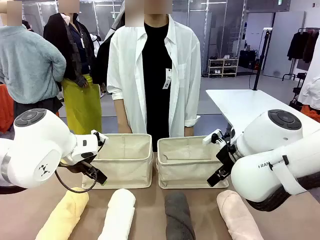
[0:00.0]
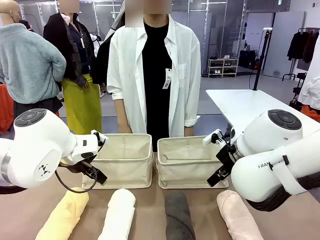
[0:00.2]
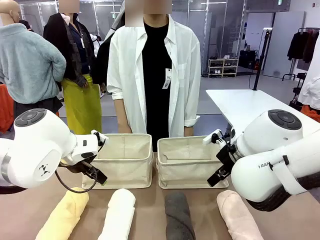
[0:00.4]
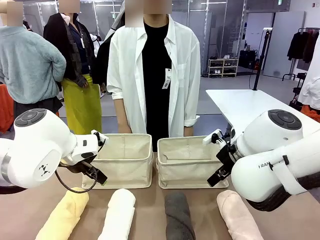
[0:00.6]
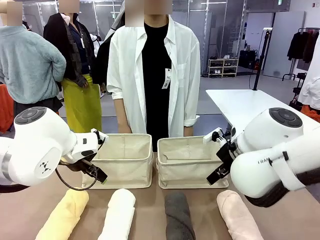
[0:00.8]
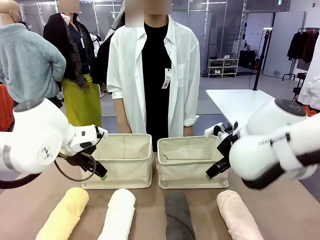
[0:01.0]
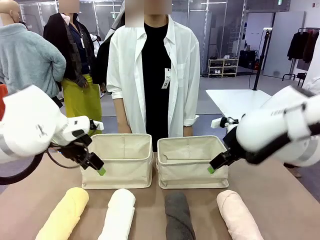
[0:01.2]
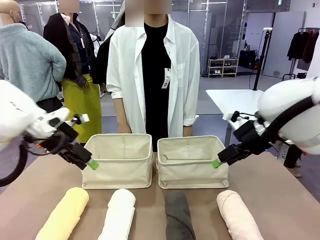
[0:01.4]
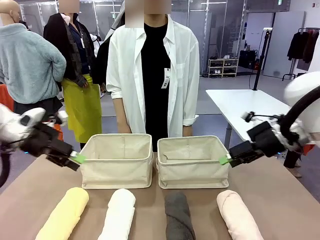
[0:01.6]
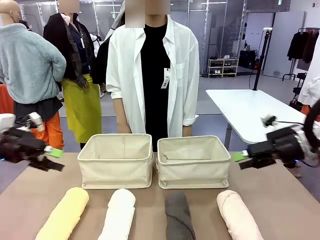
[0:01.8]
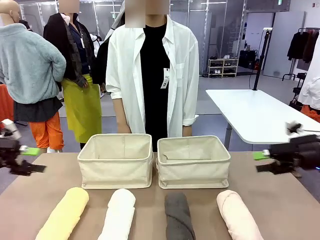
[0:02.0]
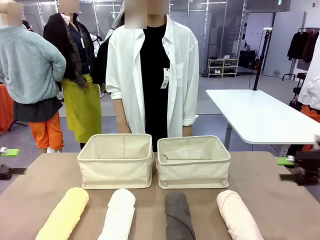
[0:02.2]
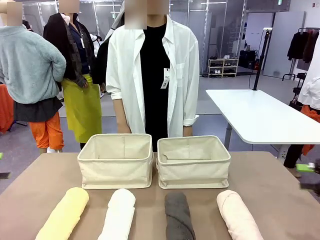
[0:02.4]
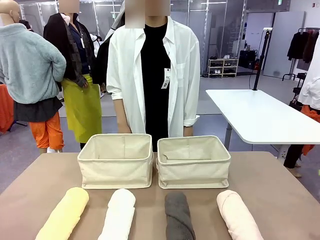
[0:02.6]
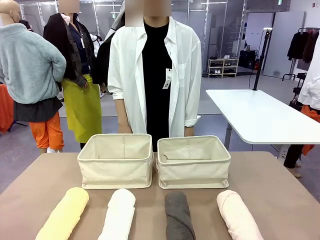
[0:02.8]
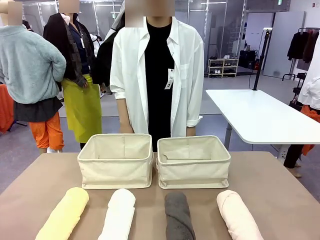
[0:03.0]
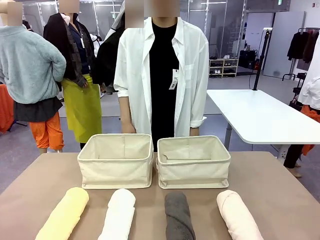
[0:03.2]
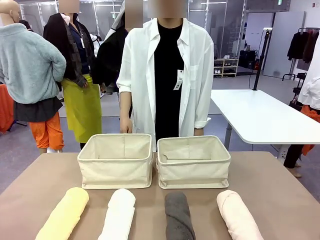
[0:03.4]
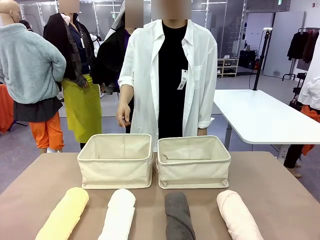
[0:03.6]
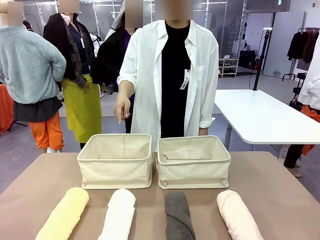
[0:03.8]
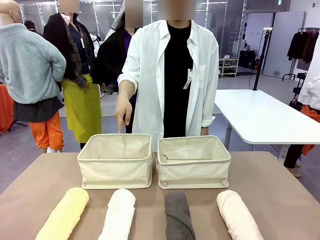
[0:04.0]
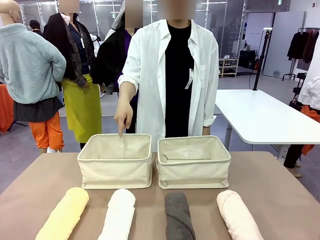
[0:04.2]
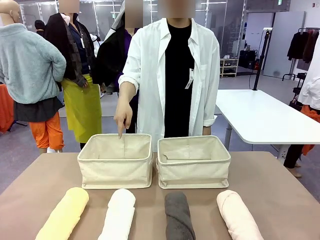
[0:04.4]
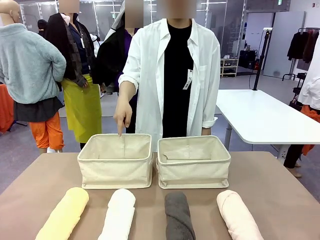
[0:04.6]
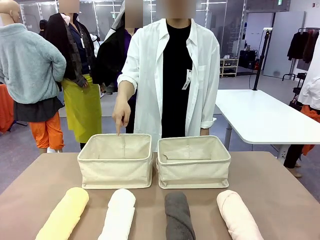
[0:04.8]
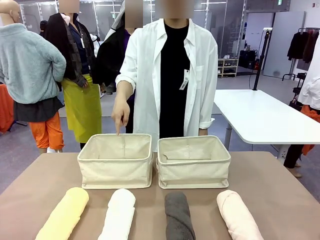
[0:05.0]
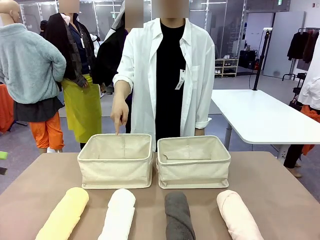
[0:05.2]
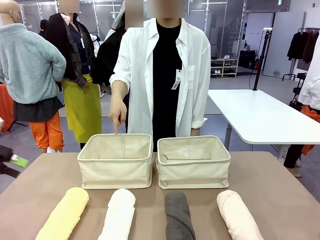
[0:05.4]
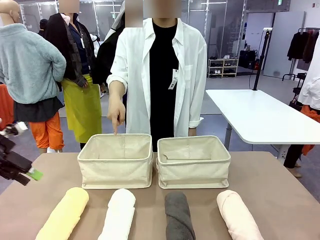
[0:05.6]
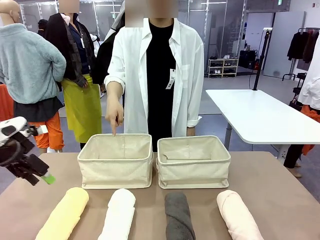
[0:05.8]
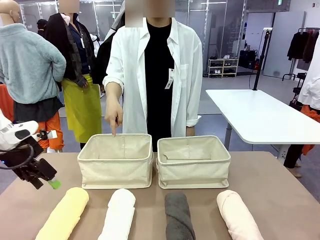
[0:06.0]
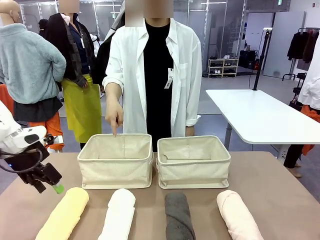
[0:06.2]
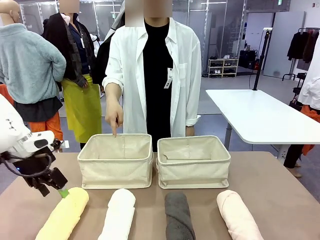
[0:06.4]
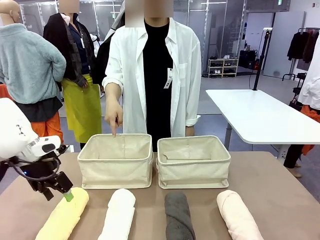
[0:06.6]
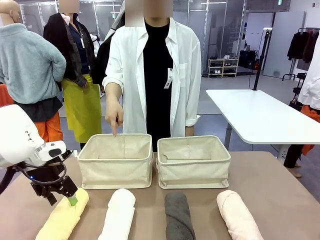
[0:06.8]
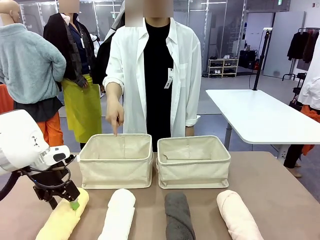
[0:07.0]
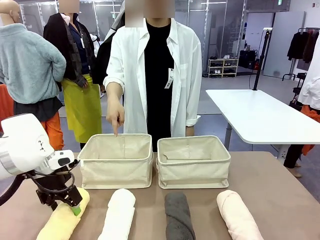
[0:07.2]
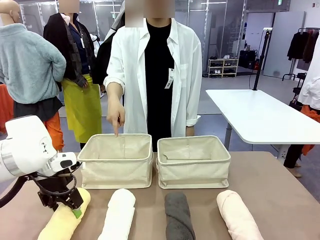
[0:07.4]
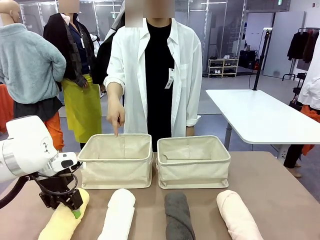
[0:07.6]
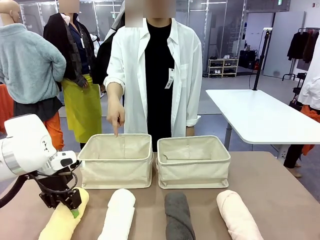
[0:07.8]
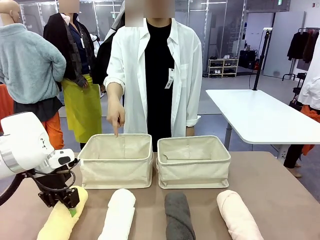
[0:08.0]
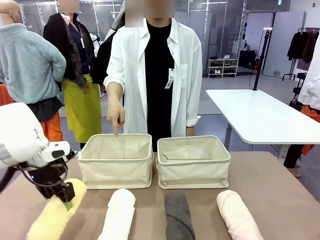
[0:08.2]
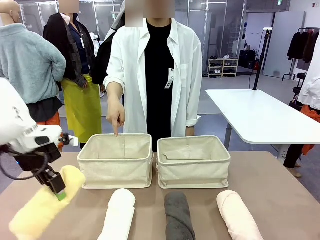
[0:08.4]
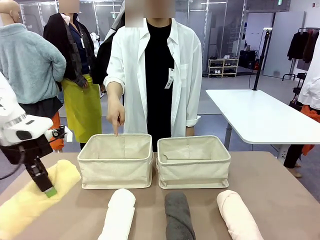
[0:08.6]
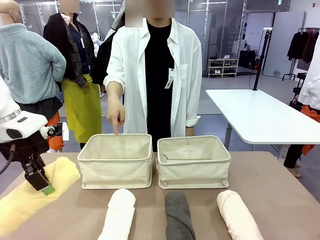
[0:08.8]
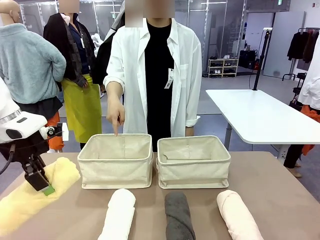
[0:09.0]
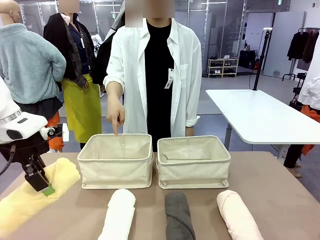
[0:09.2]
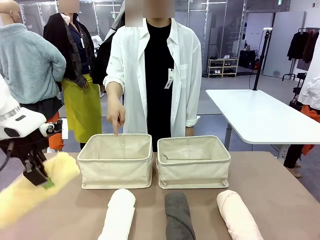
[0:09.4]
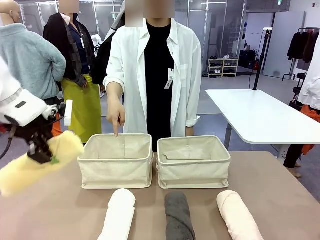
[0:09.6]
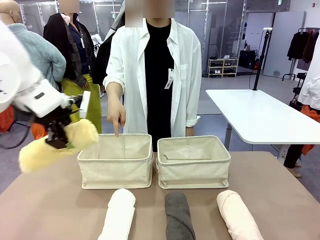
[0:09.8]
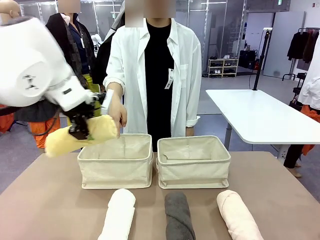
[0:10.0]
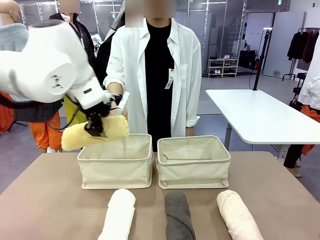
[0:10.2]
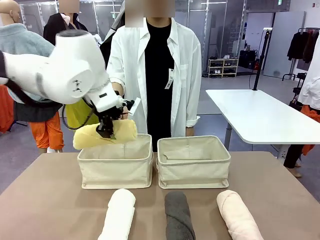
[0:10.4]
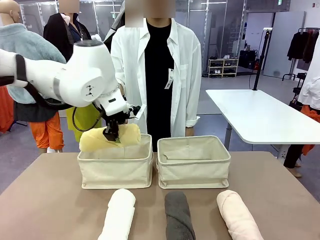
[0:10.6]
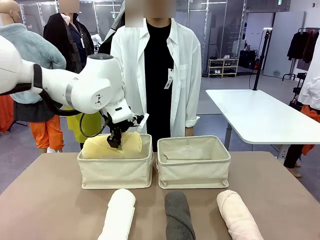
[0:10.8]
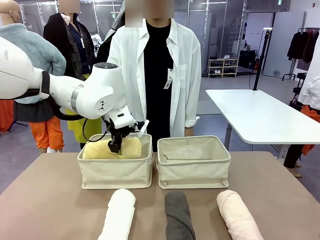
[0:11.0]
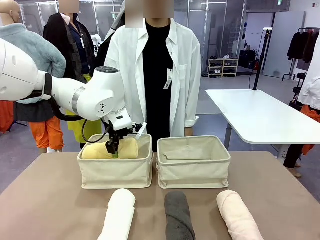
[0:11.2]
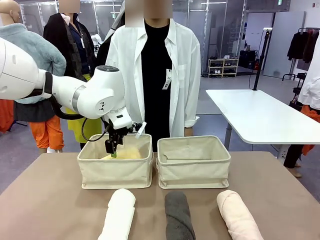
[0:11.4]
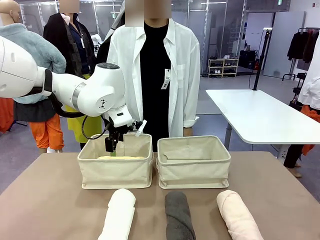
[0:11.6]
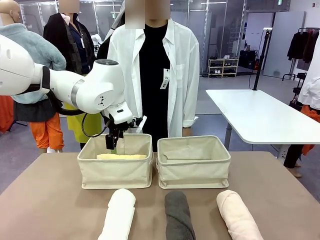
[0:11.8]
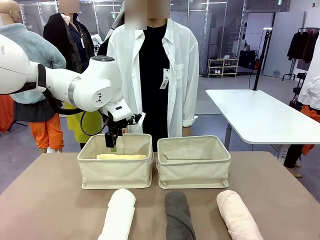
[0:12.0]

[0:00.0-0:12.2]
Task: Divide the towels into two baskets.
Robot: Pick up one hotel-folded towel and place it in the Fabric basket indicated by the person.

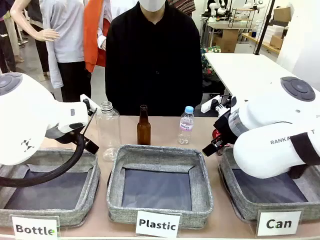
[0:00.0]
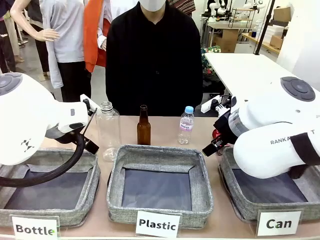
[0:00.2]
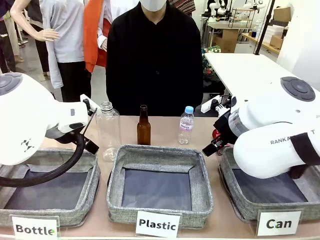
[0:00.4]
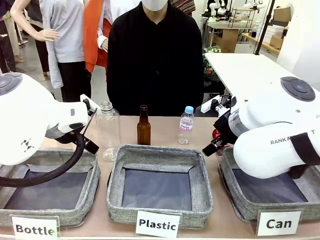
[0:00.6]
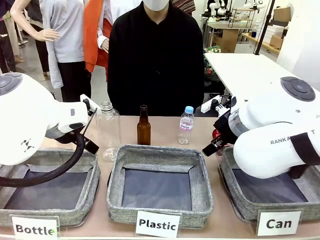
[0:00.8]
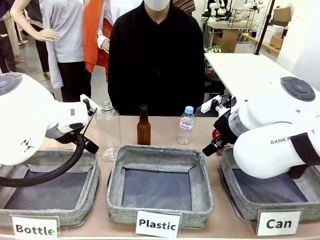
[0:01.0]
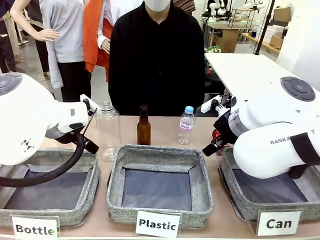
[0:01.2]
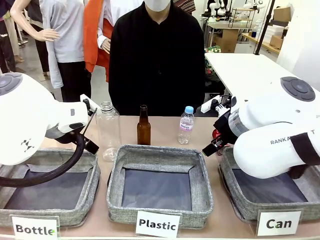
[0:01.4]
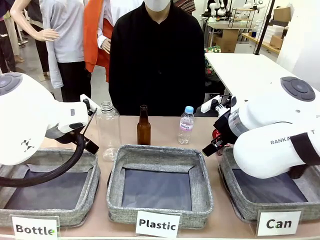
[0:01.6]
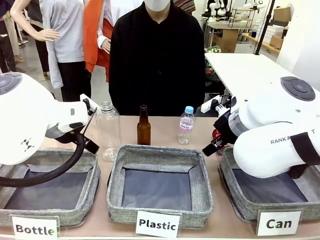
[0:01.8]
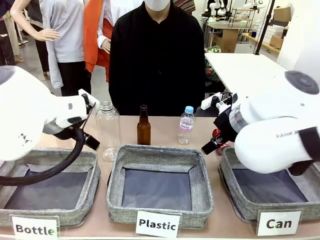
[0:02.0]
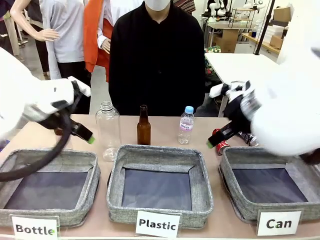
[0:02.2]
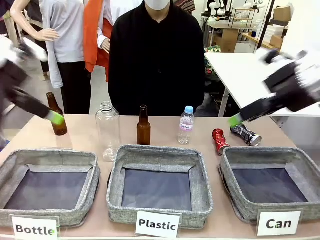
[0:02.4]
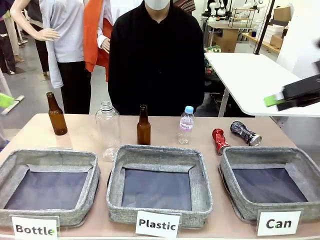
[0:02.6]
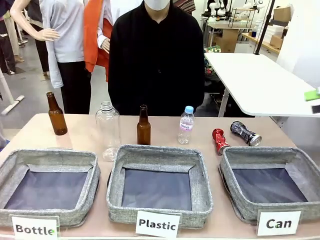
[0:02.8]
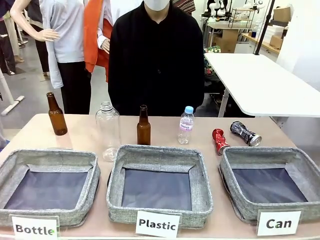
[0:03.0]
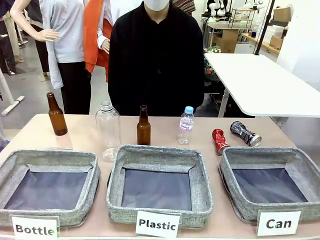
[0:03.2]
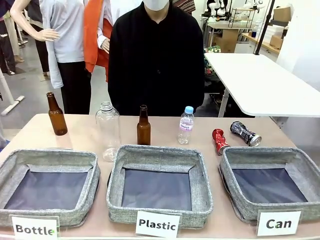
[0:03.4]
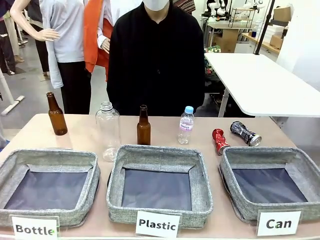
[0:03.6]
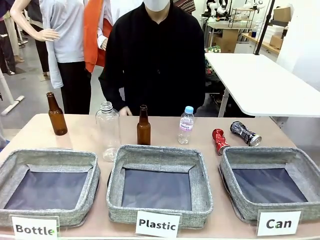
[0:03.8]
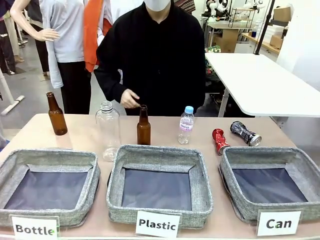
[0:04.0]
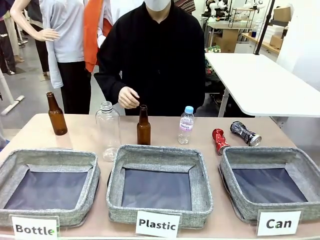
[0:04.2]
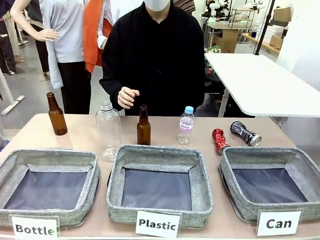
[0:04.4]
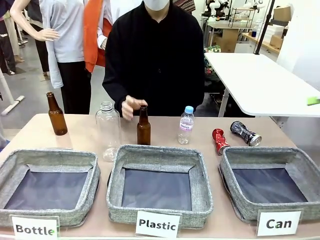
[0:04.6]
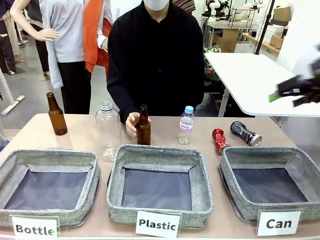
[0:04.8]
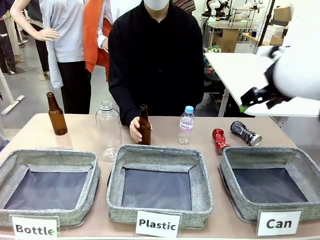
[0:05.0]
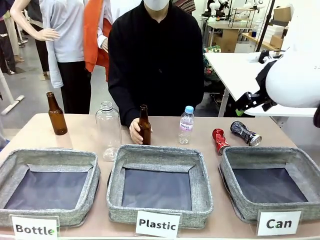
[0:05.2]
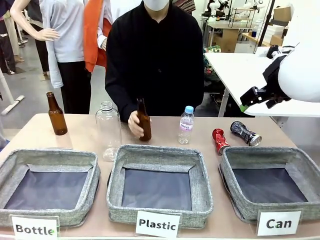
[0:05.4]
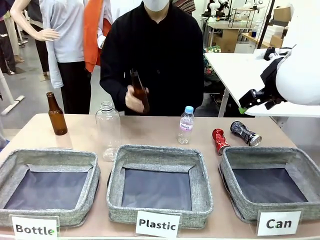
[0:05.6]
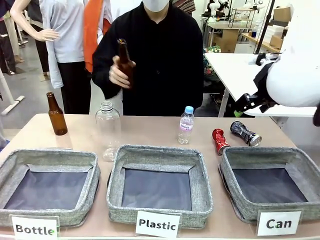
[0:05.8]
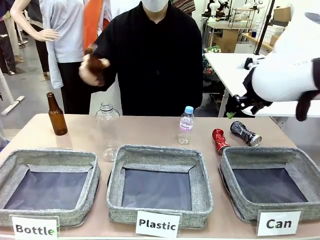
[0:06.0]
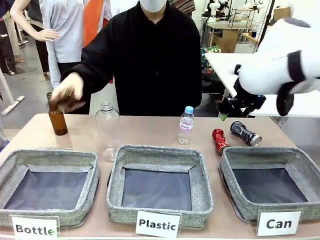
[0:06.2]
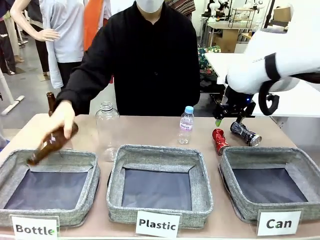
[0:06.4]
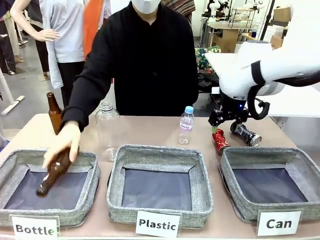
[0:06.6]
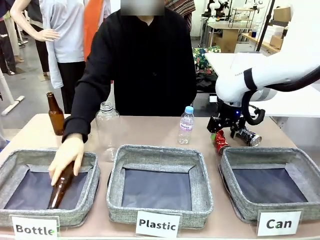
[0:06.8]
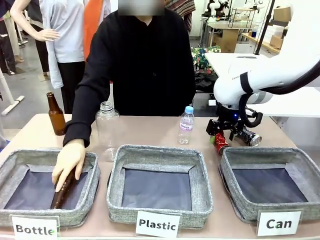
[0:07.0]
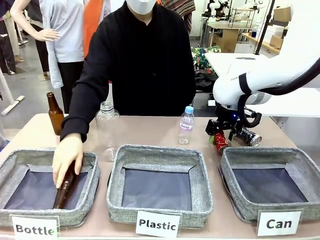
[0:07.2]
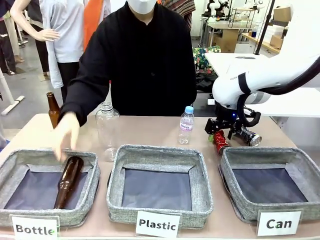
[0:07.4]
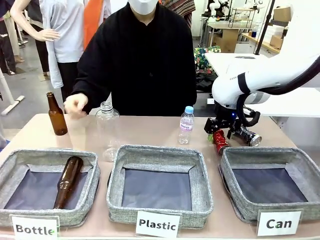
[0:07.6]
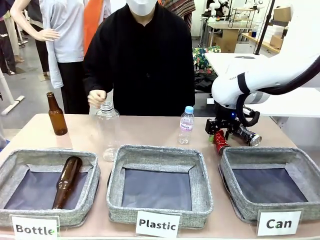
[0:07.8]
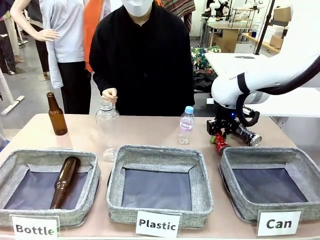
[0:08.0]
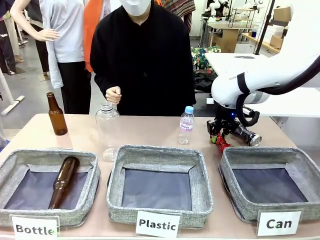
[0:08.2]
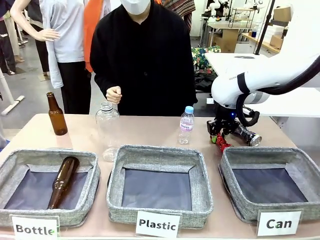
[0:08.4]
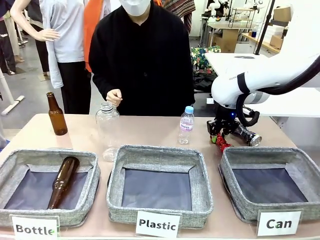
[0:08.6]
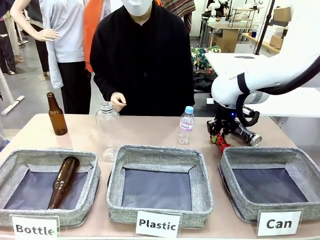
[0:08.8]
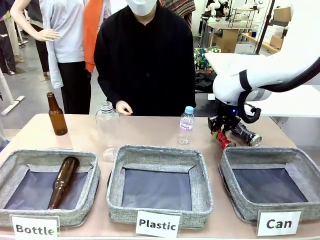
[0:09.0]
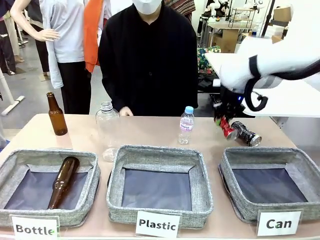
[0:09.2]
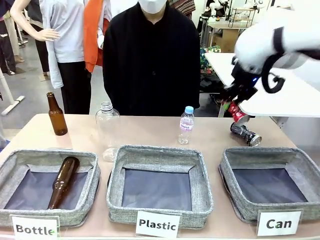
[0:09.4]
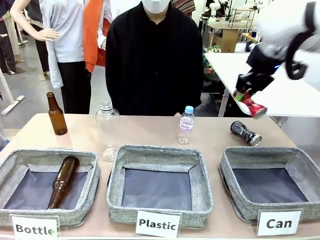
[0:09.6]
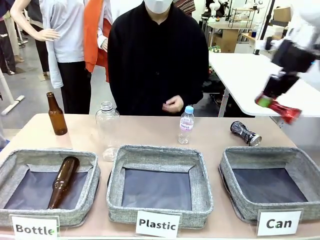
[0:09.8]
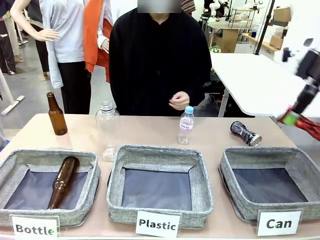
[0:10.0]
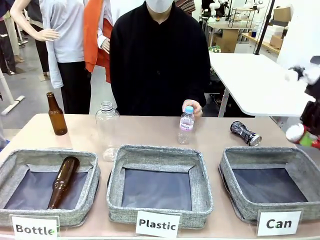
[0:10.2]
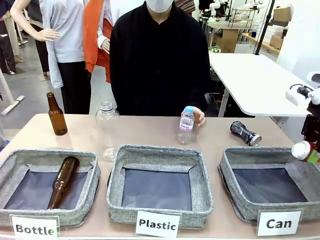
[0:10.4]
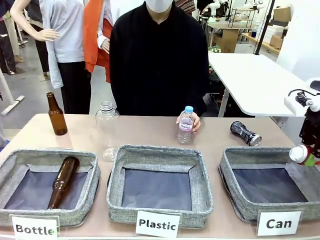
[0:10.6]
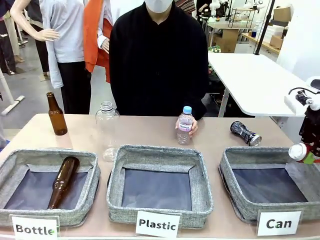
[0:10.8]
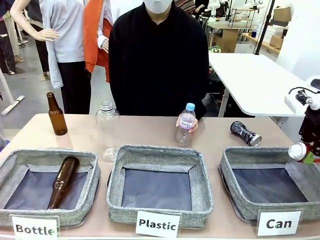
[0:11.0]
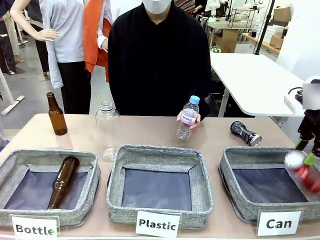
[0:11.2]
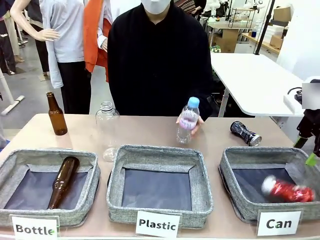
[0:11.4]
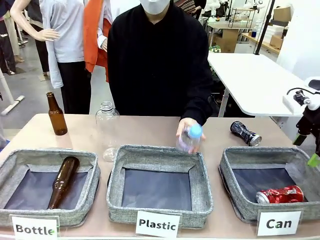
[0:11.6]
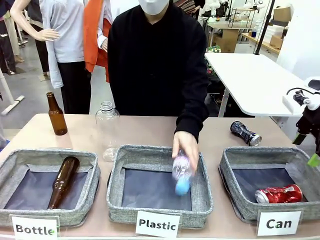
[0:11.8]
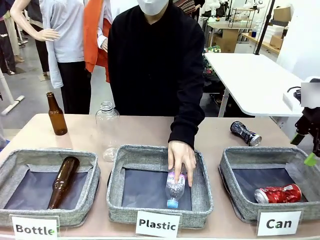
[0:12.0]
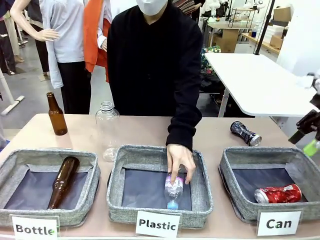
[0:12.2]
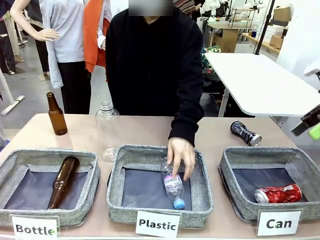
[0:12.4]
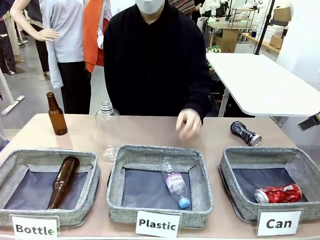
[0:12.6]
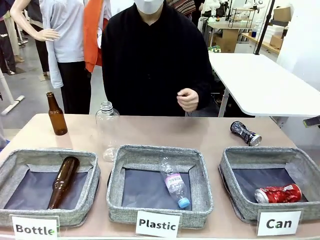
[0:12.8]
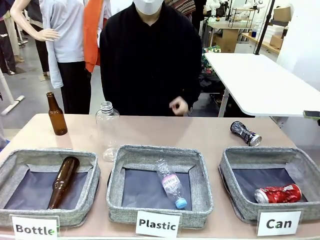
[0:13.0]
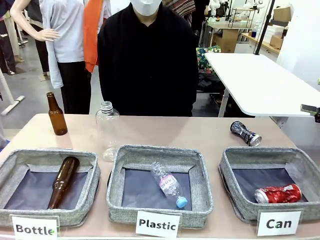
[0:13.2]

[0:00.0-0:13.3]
Task: Sort the can waste into the basket.
Robot: Pick up the can waste from the table and place it in the right Fabric basket.
